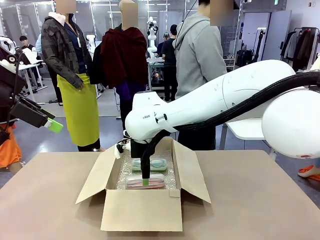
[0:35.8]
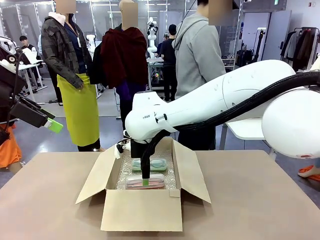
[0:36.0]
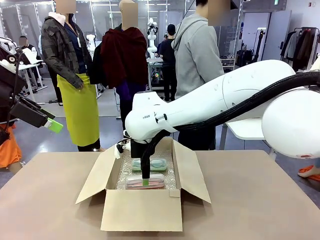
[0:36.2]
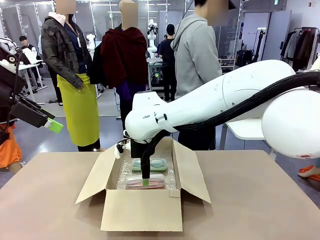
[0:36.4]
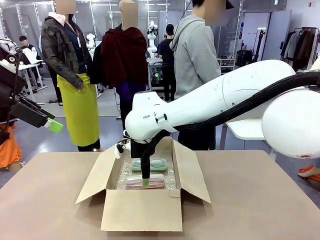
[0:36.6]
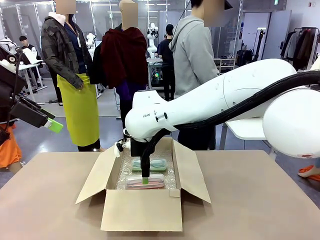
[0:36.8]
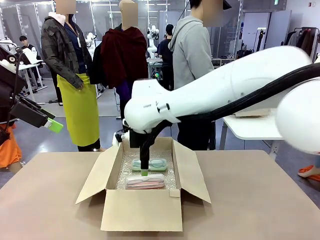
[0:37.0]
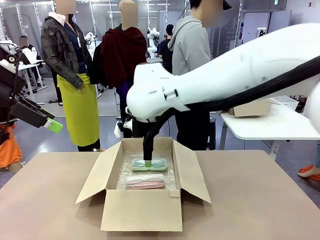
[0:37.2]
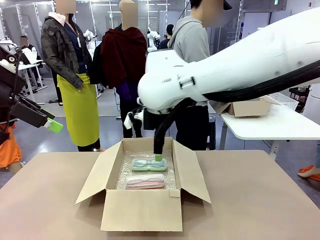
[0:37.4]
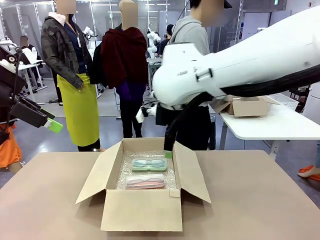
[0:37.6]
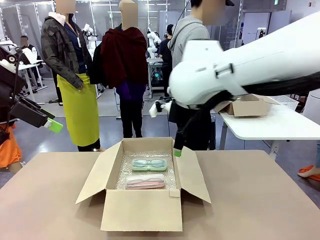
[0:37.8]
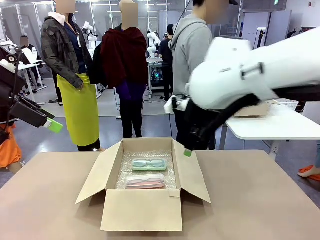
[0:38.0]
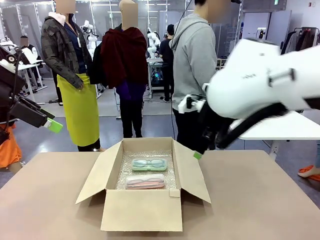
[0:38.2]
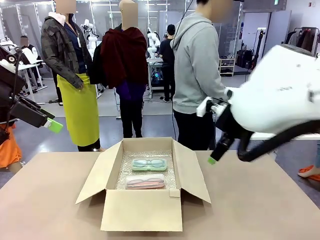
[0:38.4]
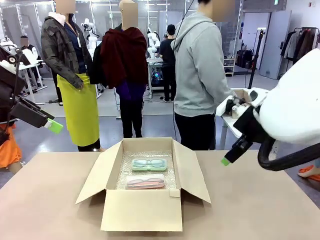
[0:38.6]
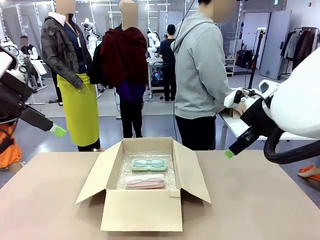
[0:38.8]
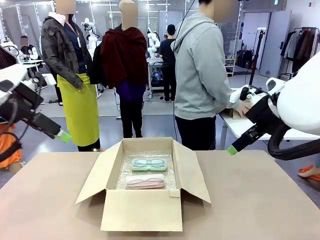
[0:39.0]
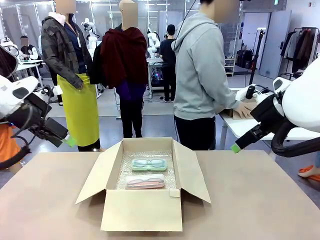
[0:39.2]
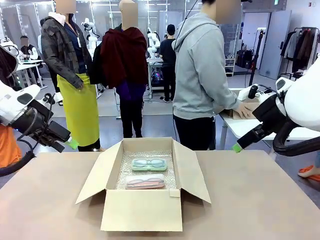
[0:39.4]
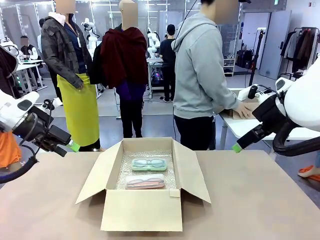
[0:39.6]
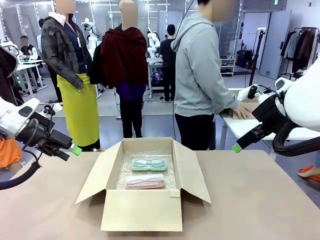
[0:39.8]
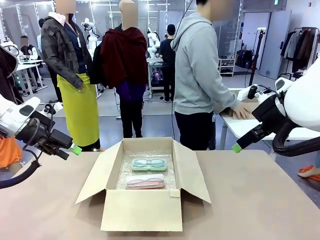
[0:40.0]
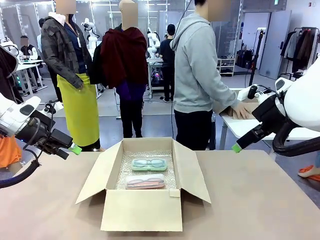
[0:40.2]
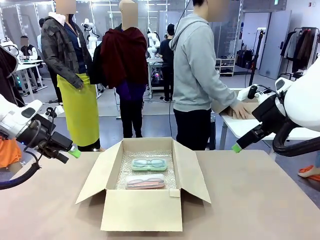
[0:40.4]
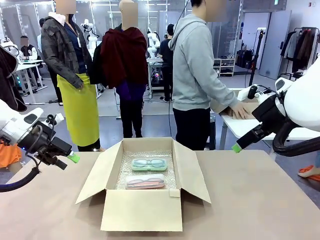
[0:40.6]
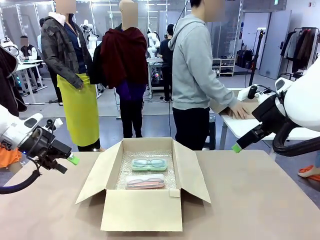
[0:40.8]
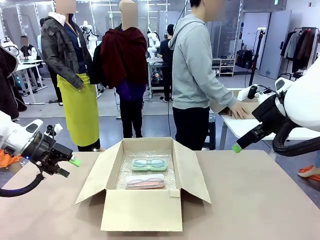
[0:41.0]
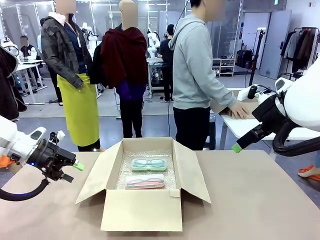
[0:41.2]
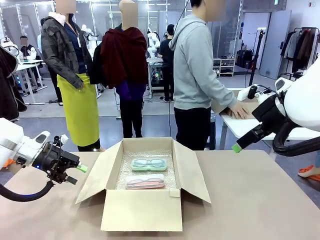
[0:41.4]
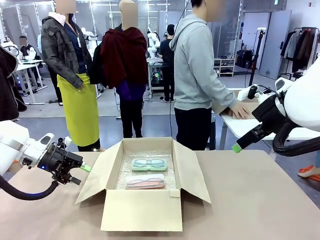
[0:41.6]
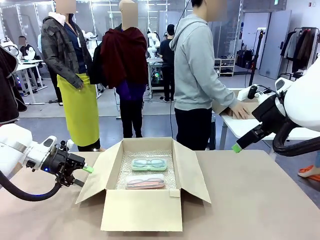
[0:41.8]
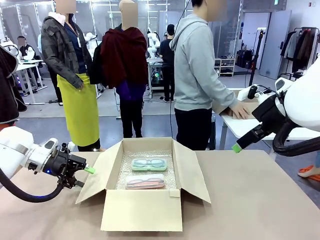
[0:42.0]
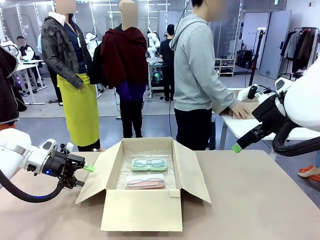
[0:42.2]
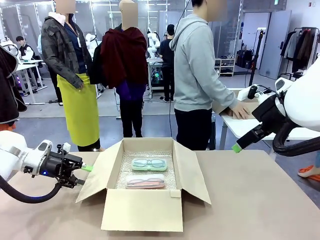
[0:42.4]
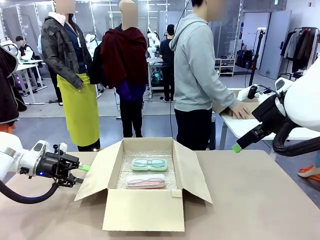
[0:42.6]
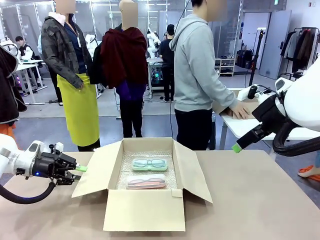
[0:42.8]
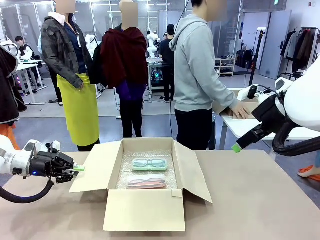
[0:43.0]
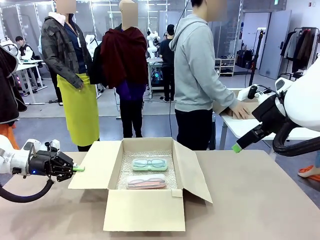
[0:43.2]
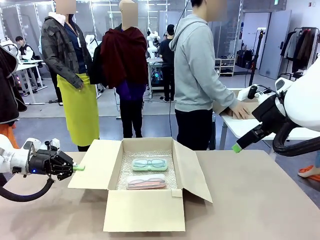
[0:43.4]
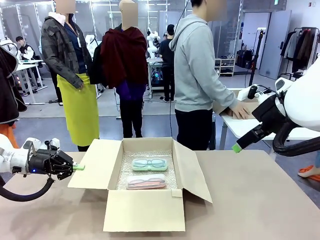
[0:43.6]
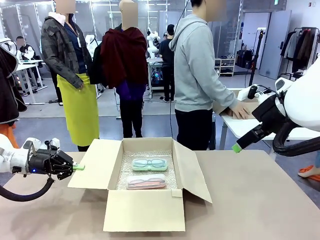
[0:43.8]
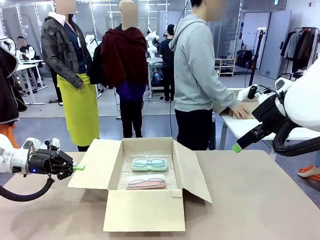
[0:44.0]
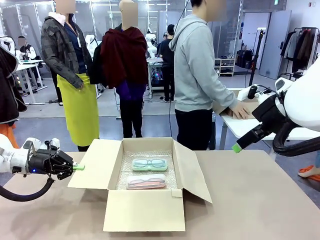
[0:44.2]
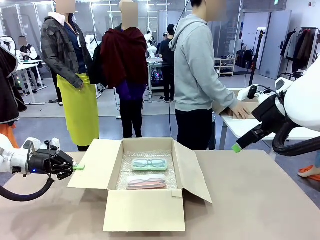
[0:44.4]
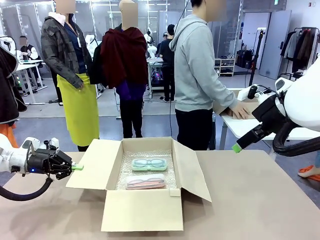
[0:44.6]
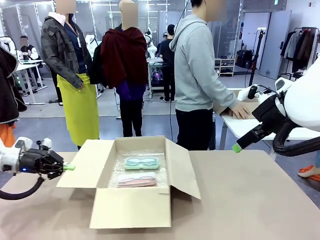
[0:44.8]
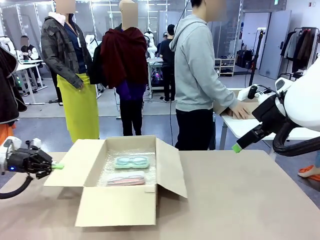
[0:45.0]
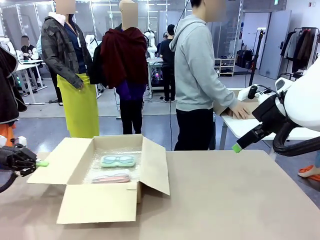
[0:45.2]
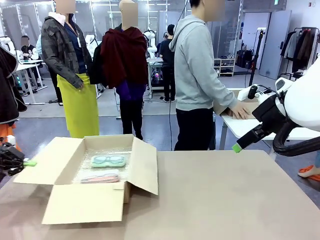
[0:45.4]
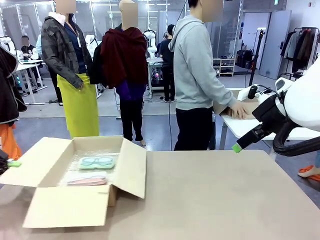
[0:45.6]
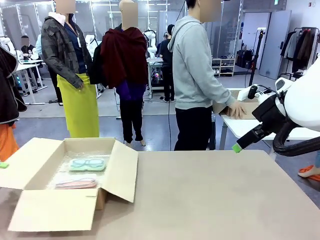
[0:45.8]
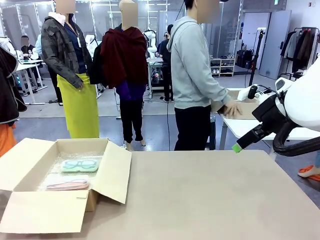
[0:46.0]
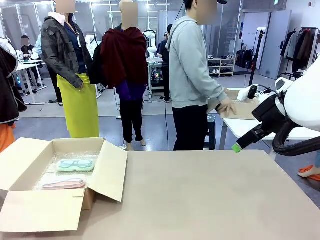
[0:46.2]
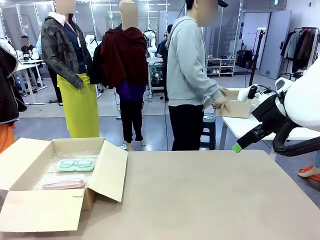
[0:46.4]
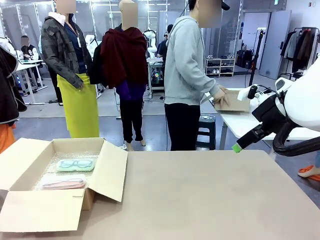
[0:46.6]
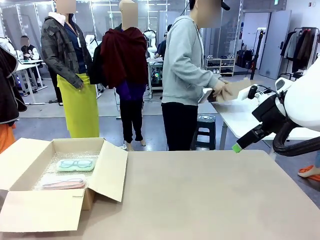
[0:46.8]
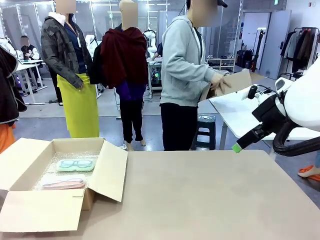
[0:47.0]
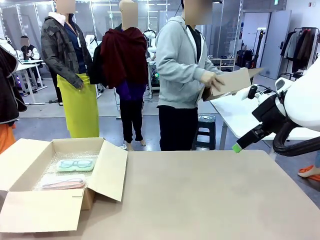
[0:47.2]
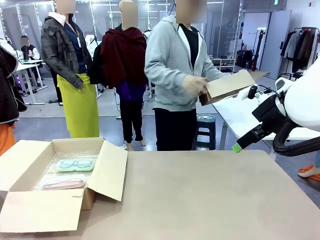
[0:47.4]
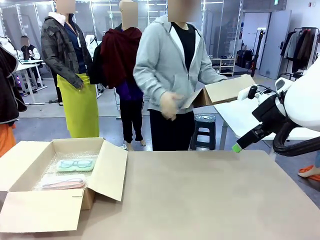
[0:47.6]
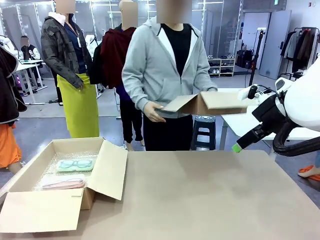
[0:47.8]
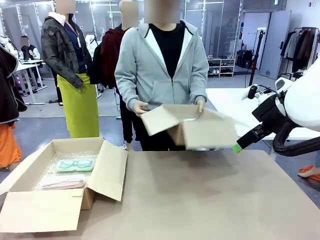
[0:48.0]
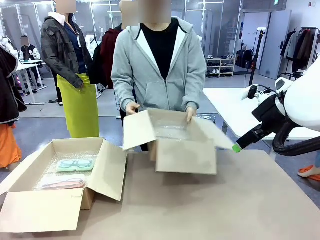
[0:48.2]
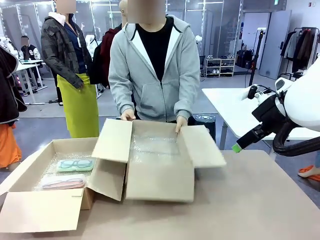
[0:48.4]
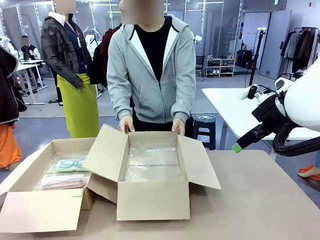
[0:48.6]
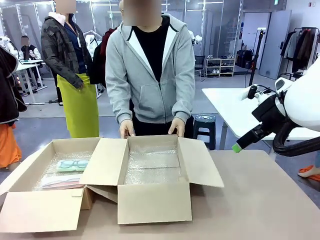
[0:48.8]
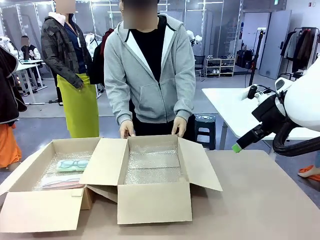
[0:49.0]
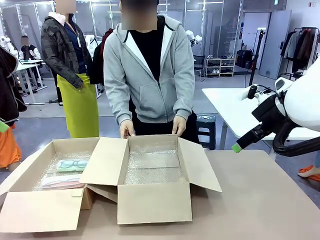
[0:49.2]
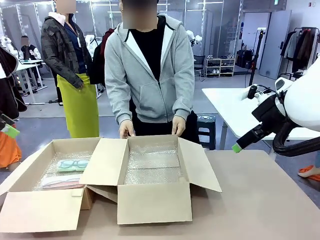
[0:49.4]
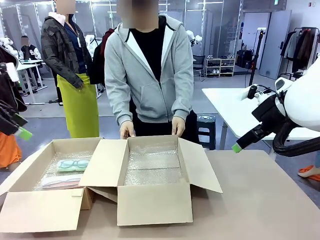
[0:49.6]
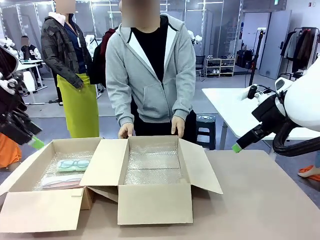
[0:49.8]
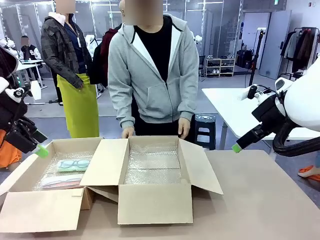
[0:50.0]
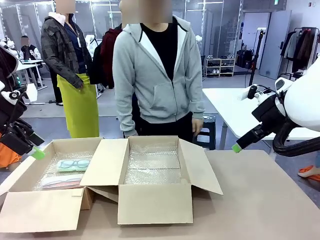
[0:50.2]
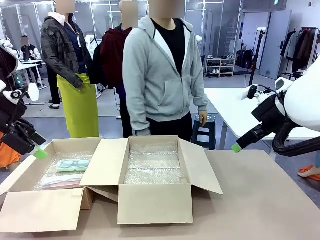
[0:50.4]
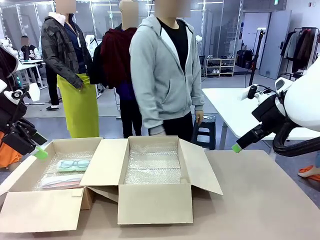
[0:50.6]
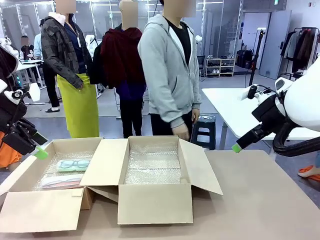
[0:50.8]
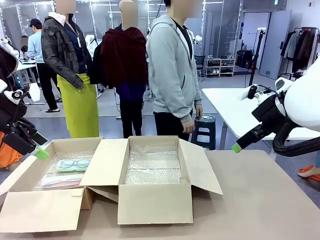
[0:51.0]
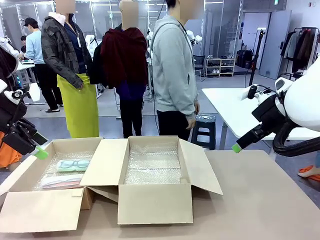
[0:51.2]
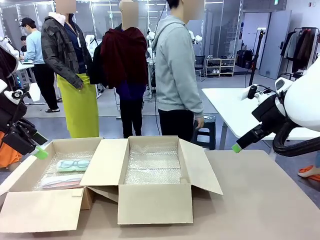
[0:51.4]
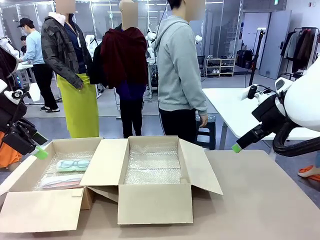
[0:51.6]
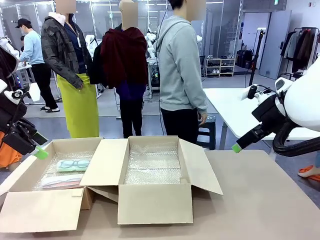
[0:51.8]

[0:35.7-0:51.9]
Task: Pack the glasses set securely to prepare it for shipping.
Robot: Position the Package Box on the left side of the table.
Person: Position the empty Package Box in the middle of the robot's table.

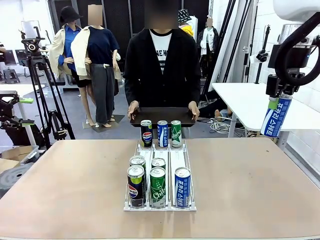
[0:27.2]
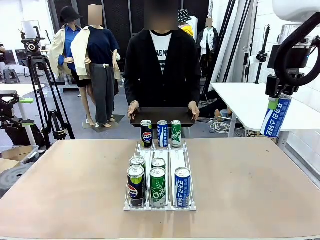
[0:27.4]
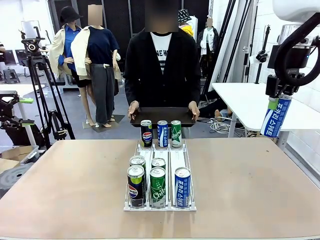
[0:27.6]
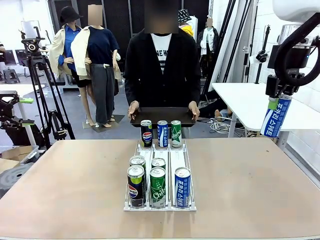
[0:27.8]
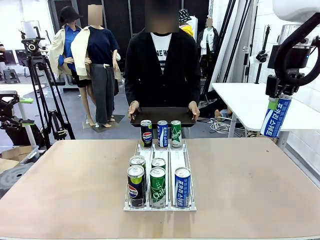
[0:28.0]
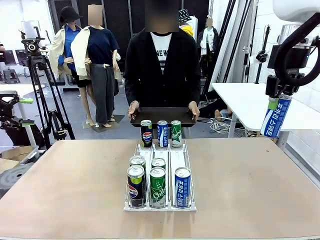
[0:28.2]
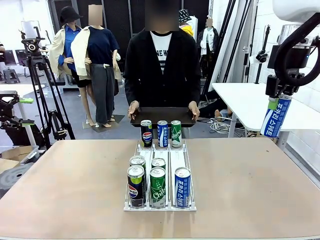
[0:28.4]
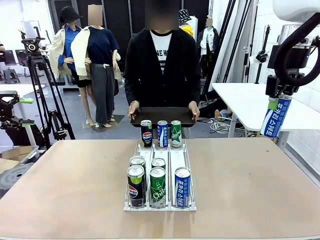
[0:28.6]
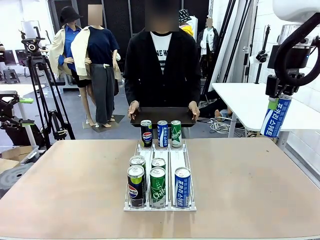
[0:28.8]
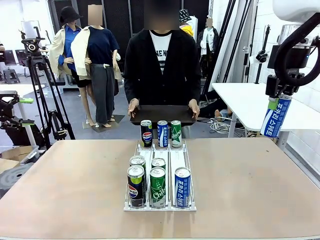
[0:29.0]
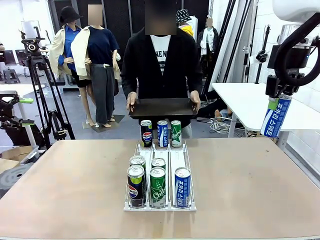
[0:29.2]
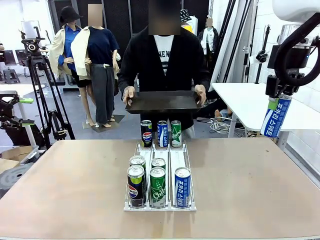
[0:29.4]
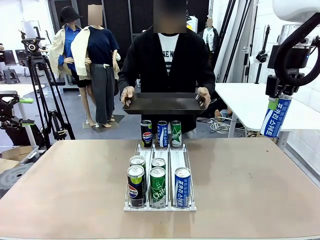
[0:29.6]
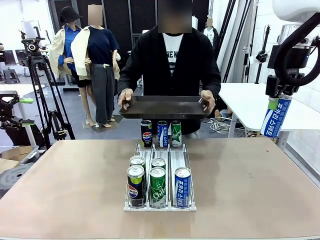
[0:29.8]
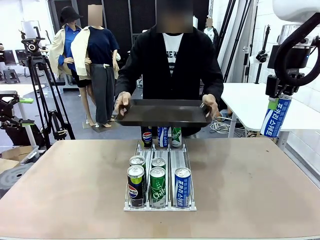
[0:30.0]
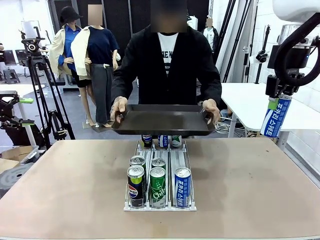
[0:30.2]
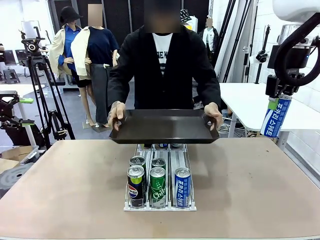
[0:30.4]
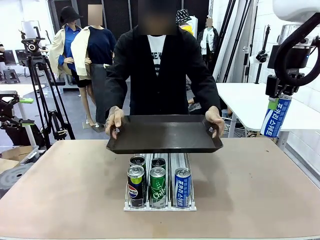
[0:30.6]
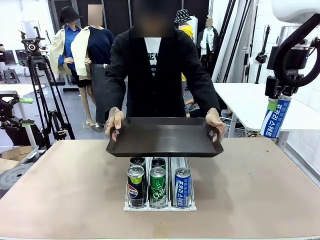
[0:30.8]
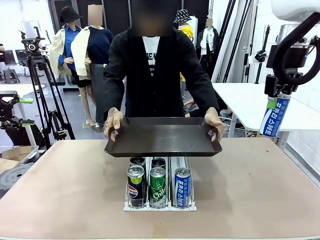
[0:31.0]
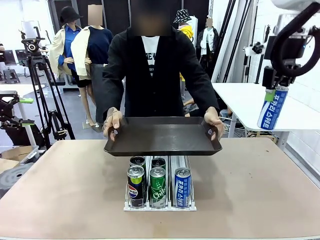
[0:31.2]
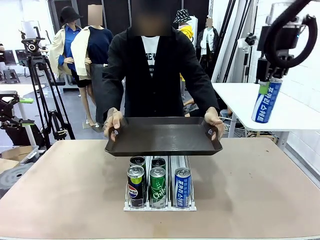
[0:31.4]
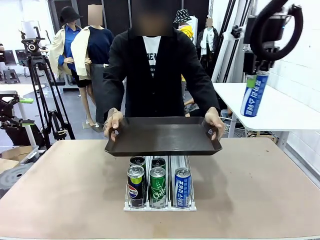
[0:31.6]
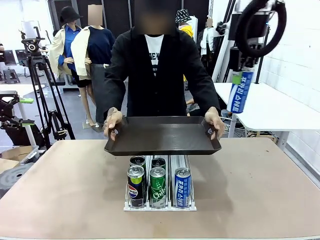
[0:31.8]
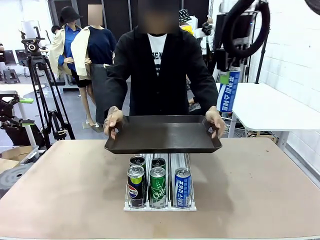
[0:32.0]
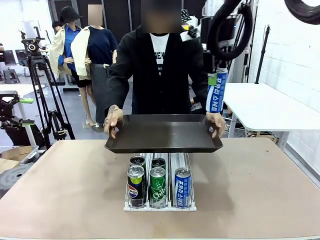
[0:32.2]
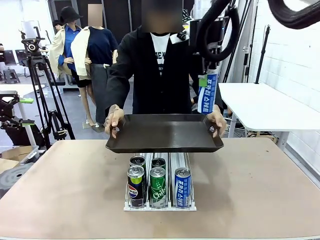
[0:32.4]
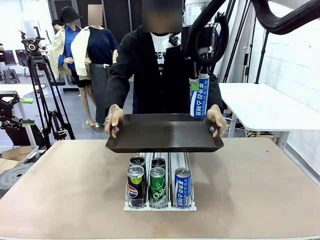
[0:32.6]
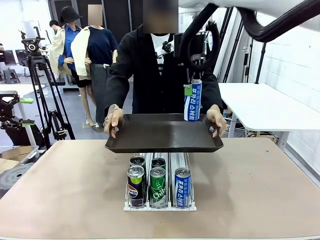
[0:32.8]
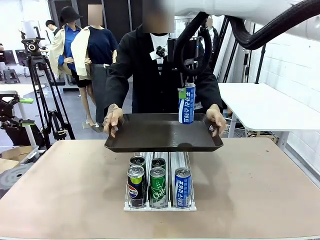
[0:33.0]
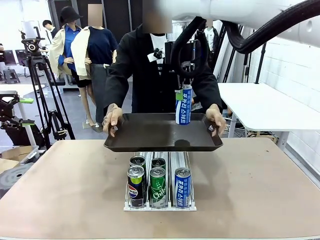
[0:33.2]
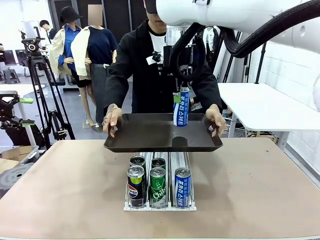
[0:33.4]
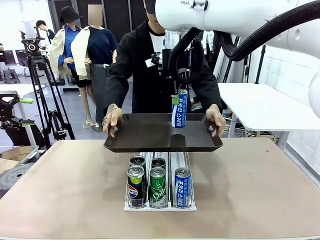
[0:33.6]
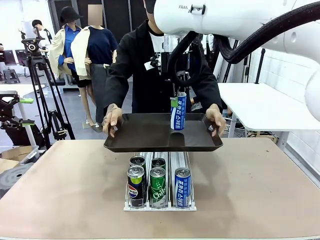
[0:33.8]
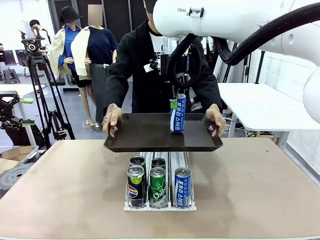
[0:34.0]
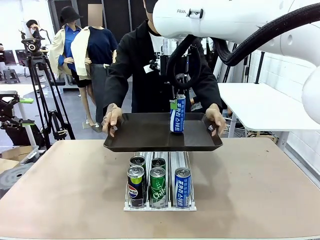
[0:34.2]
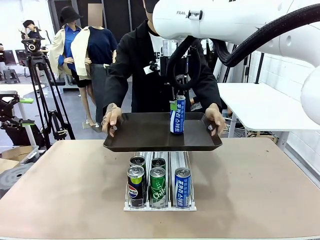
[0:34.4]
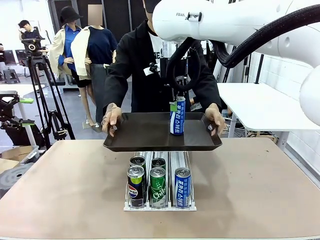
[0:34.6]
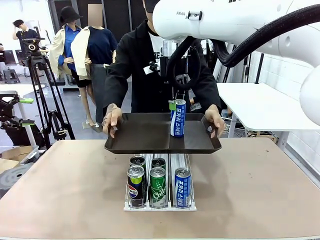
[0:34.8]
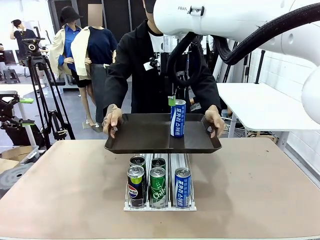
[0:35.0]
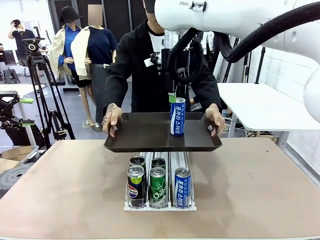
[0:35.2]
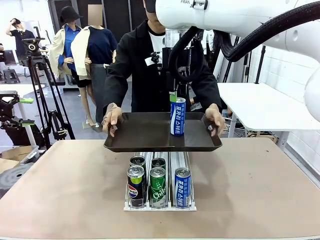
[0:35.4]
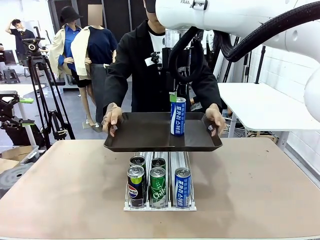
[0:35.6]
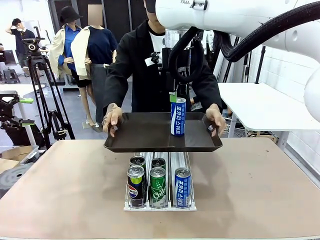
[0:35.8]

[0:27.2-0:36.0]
Task: Retrieve and hand over the desired beverage to the person.
Robot: Place the picked can on the Handle tray extended by the person.
